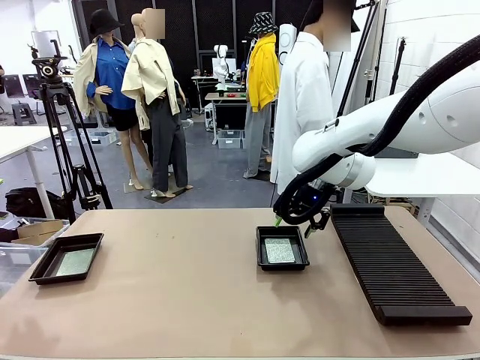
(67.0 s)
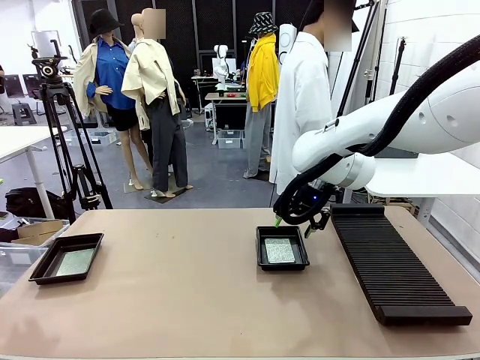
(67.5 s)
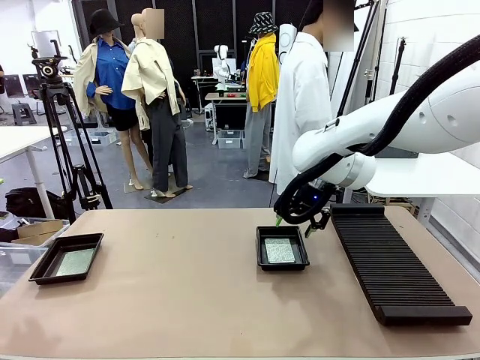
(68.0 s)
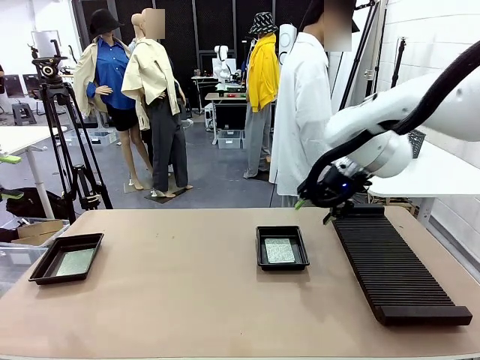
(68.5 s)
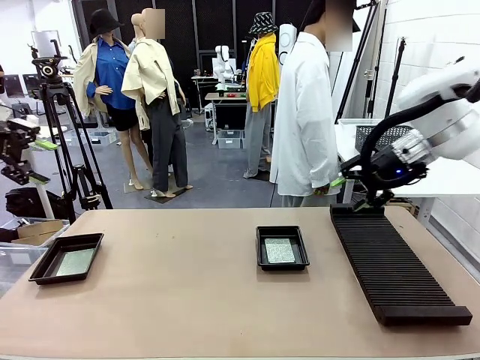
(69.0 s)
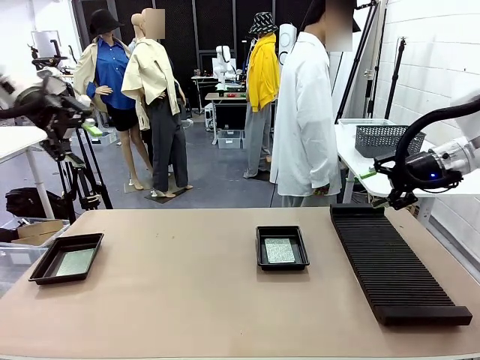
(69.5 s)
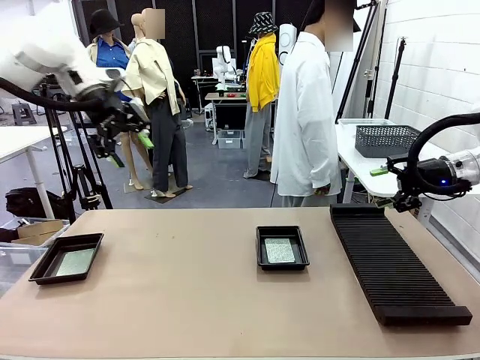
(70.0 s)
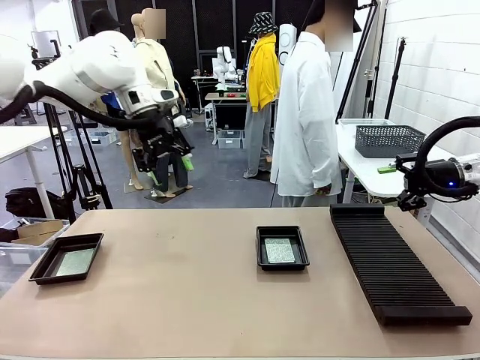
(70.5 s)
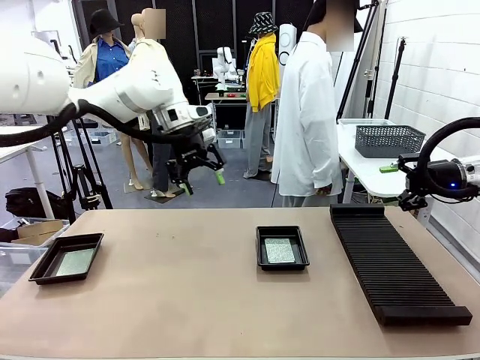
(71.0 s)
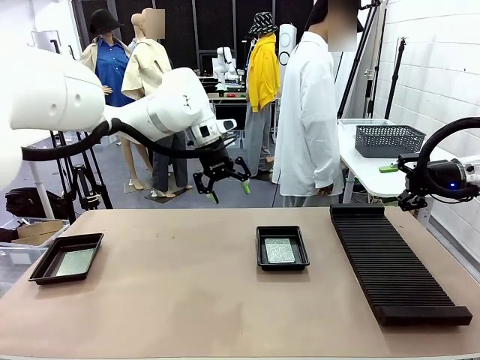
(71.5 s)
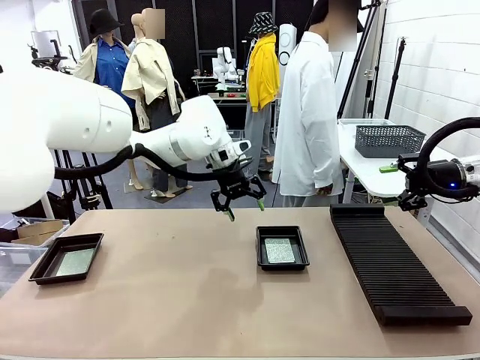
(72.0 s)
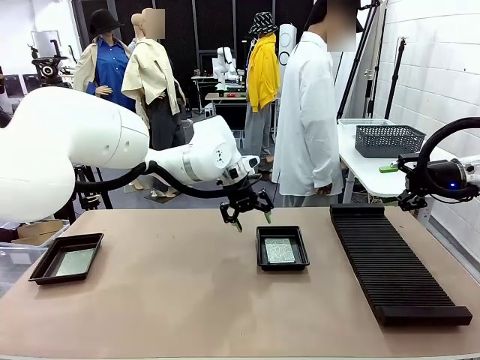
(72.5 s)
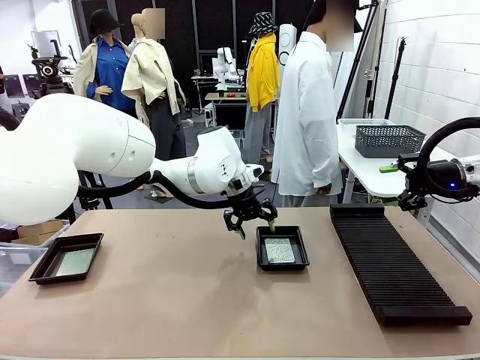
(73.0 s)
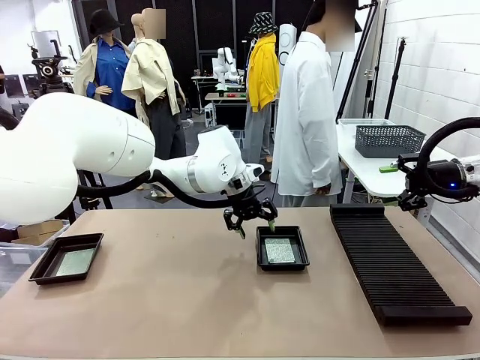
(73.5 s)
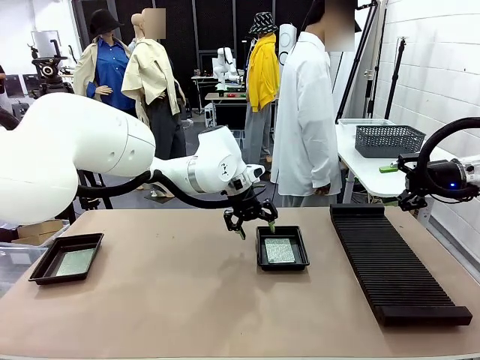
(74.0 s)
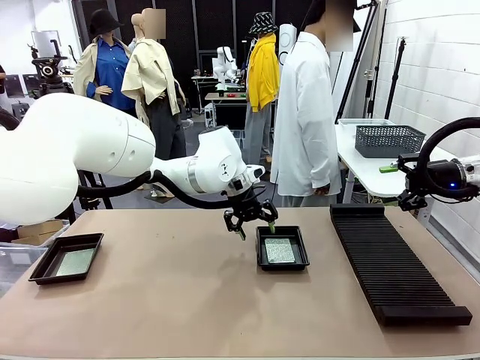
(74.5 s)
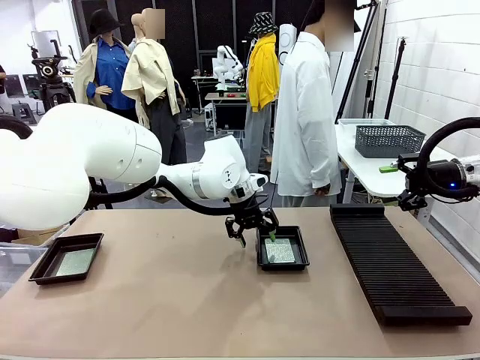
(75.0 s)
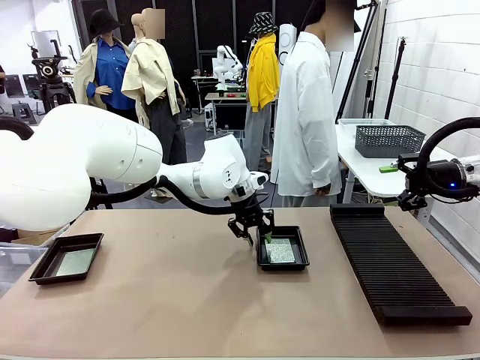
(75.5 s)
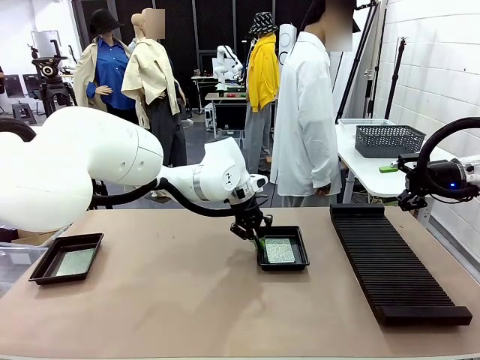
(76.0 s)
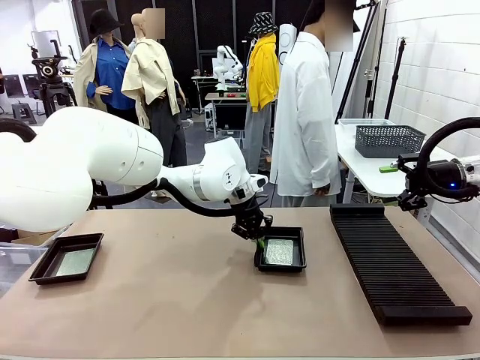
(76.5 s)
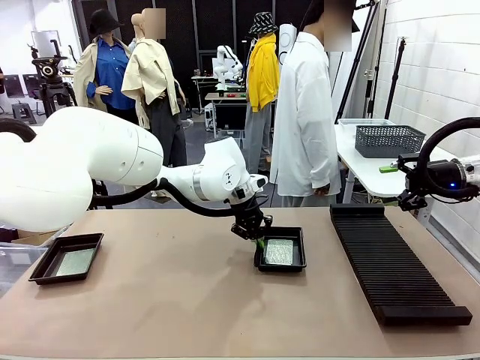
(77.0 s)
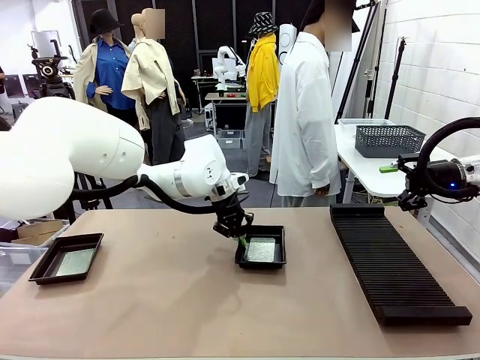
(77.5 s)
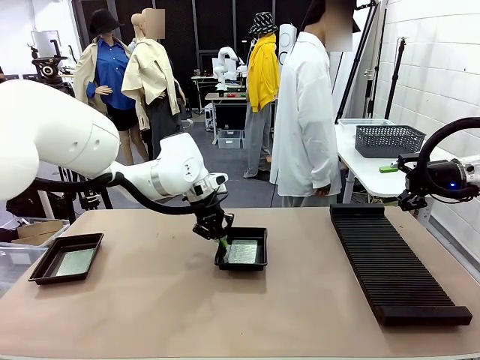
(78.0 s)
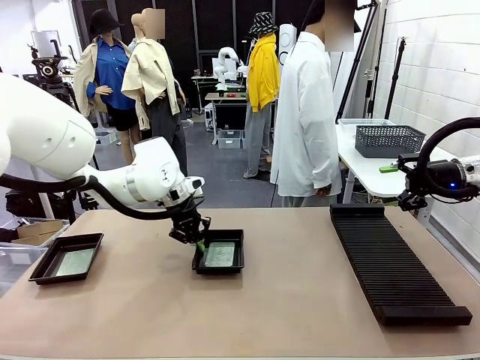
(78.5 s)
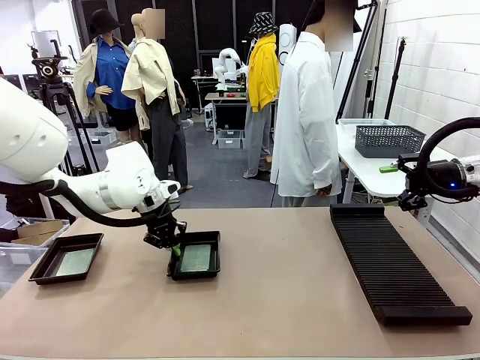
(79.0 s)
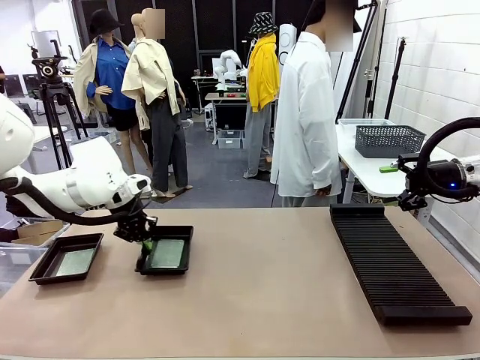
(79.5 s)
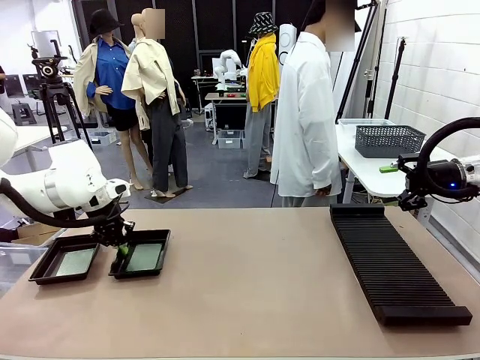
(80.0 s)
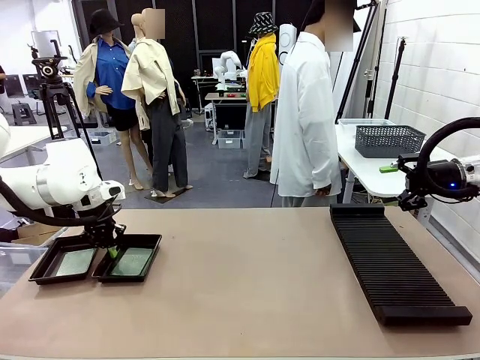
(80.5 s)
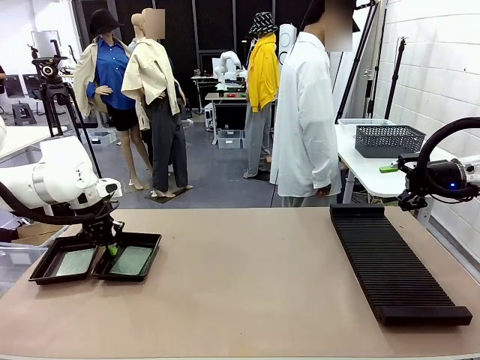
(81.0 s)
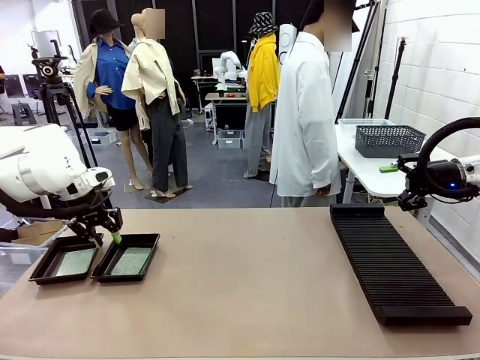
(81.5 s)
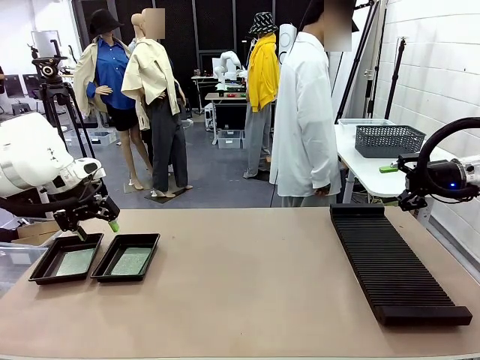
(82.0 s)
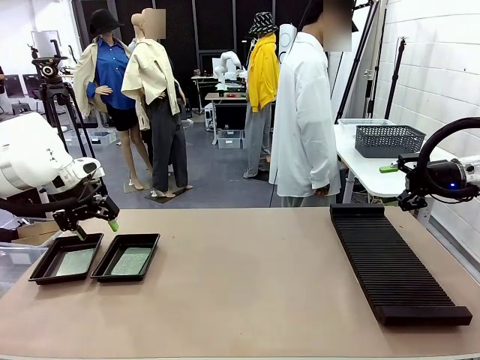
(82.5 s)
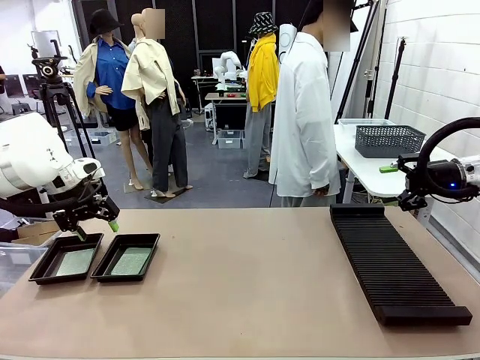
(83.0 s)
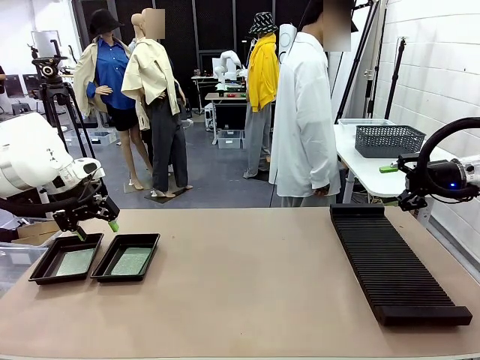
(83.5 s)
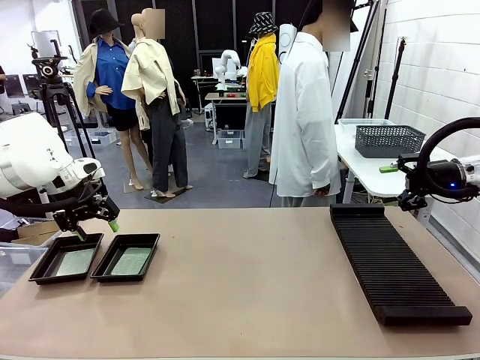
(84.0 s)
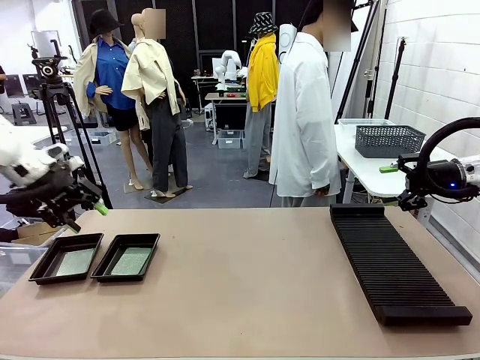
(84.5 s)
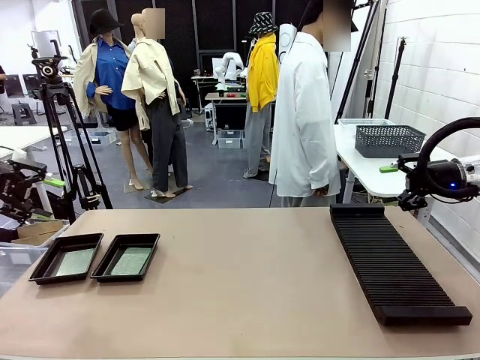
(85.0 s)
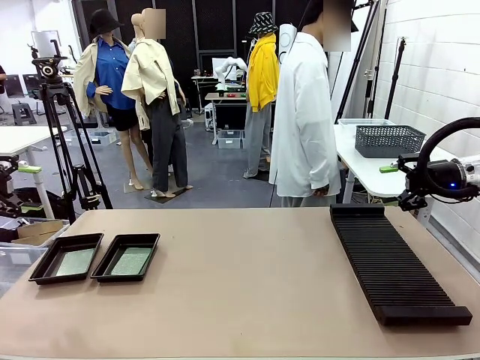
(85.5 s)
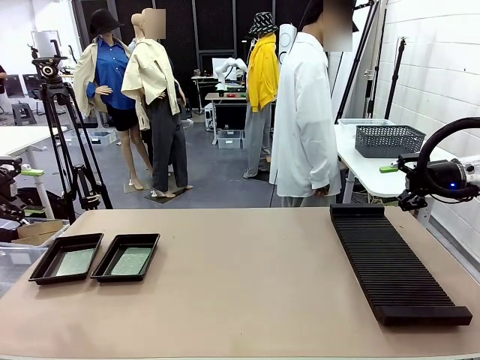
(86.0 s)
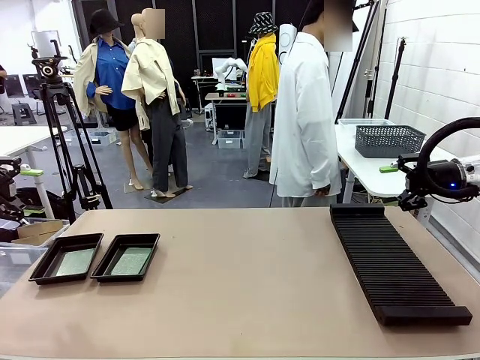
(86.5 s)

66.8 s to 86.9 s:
Task: Inspect and transfer BCBs to ESD trays.
Robot: Pick up the ESD tray and place it on the left side of the table.

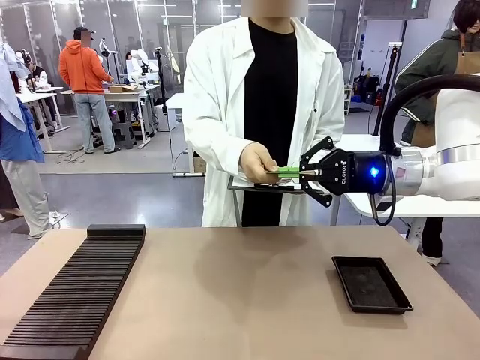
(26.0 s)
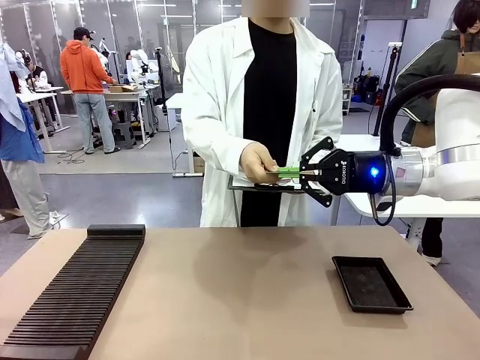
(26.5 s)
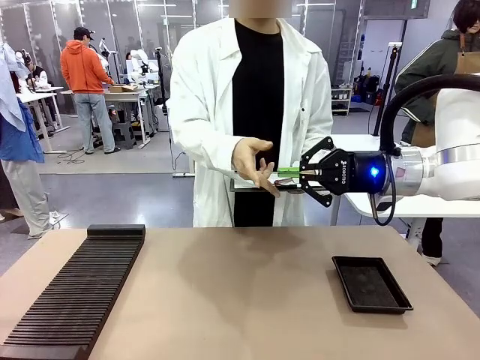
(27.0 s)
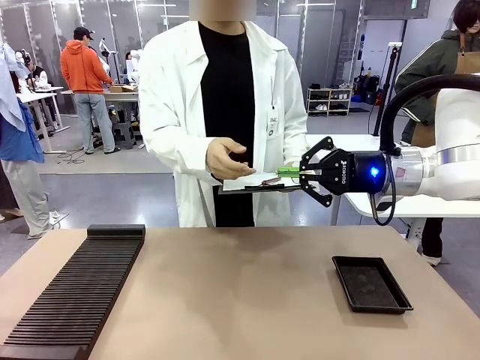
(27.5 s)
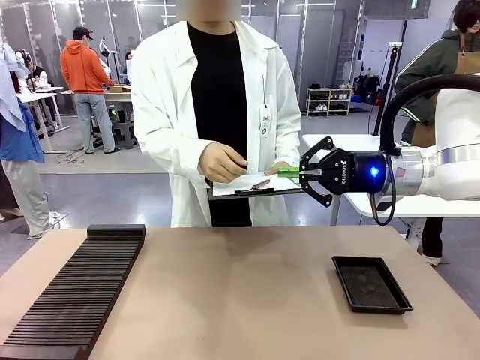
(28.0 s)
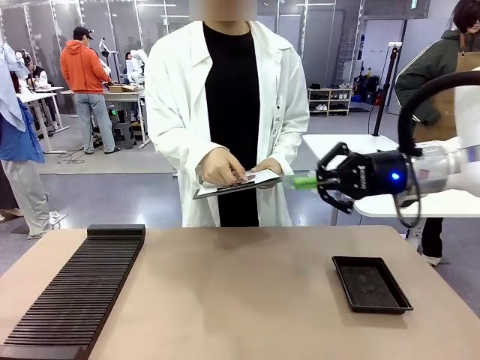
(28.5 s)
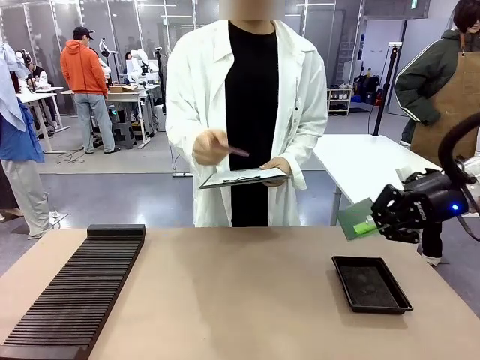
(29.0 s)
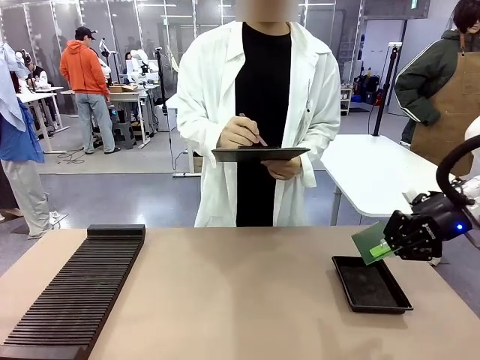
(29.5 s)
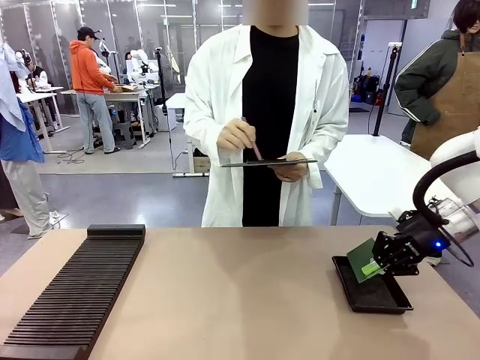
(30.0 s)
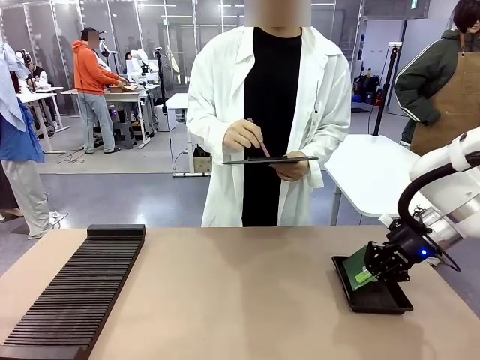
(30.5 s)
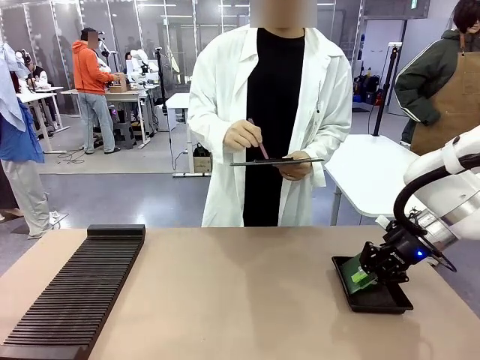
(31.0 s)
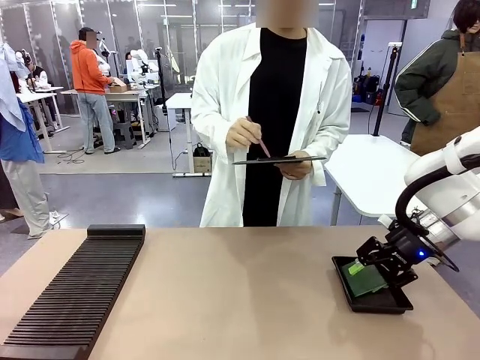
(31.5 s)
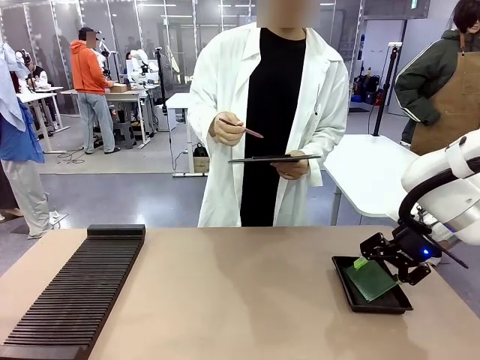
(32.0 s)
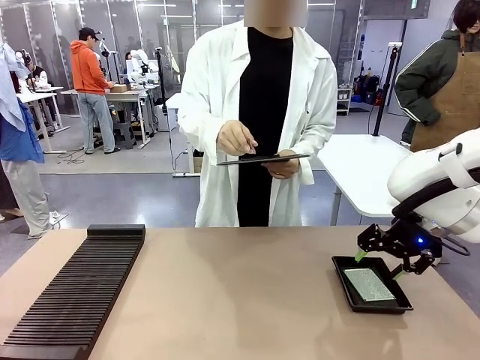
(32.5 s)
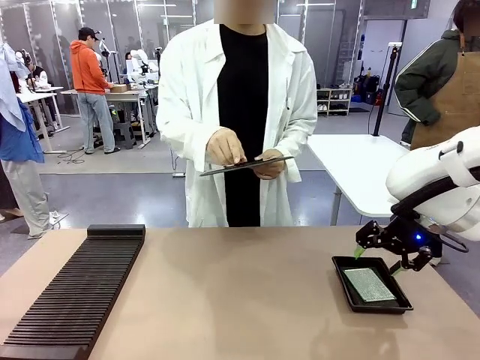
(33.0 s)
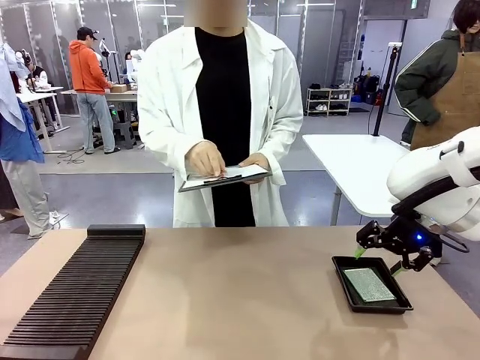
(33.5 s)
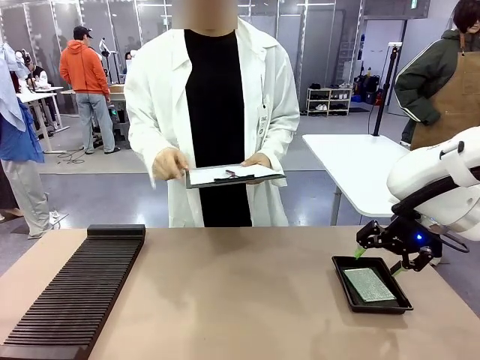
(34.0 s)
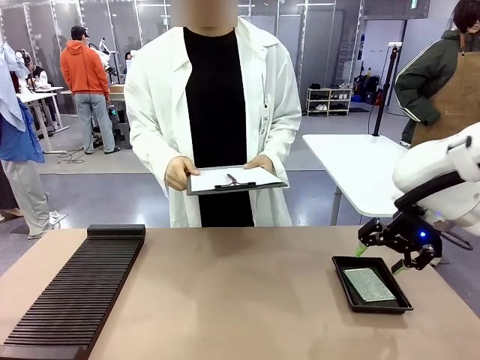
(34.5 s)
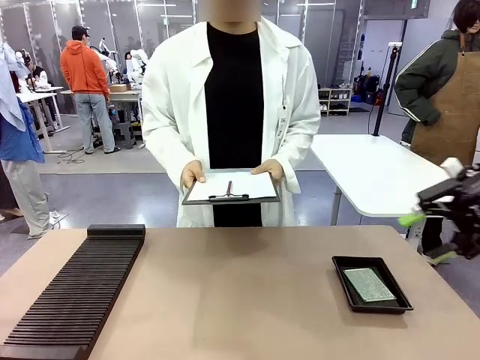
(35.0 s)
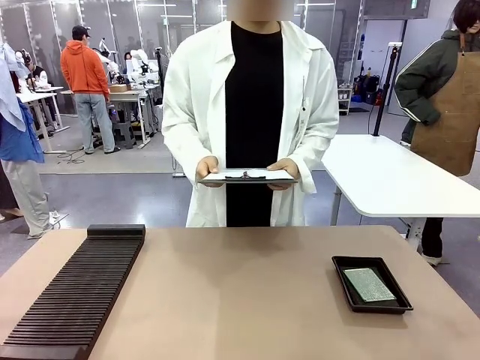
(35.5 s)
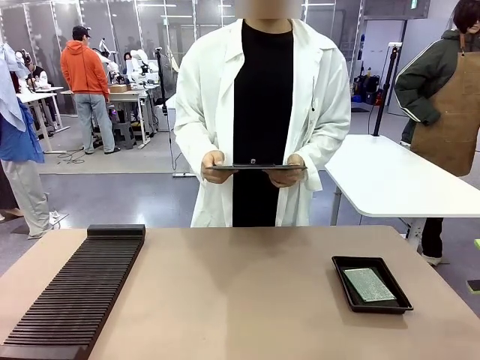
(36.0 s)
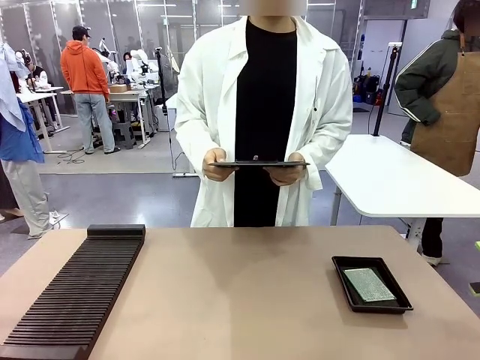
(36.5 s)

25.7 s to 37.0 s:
Task: Inspect the PCB.
Robot: Place the Blank PCB in the ESD tray.
Person: Record the PCB status on the paper.
